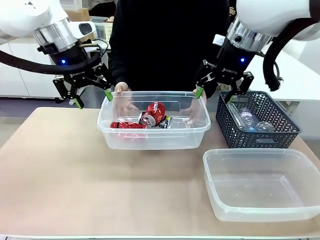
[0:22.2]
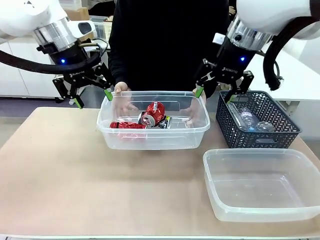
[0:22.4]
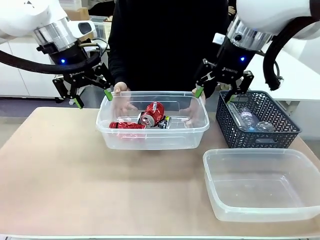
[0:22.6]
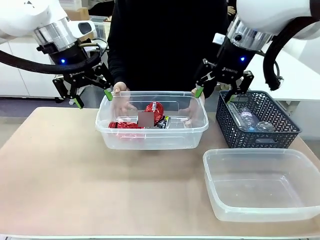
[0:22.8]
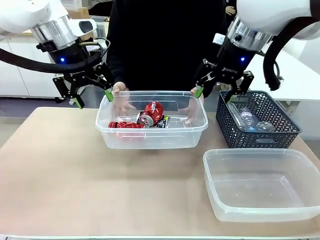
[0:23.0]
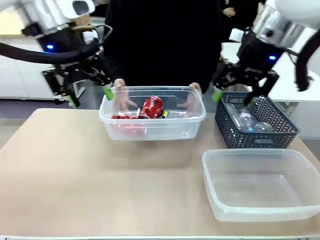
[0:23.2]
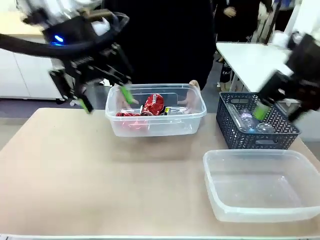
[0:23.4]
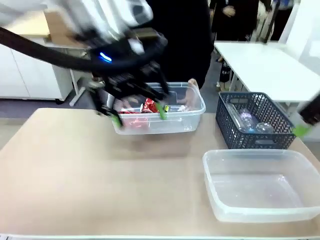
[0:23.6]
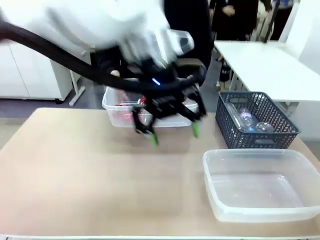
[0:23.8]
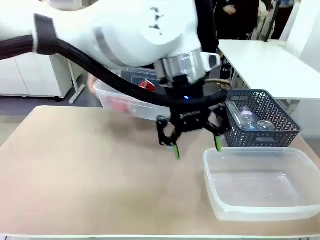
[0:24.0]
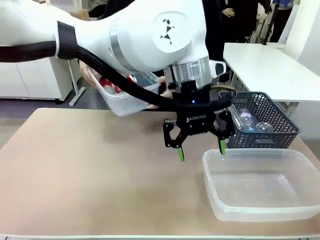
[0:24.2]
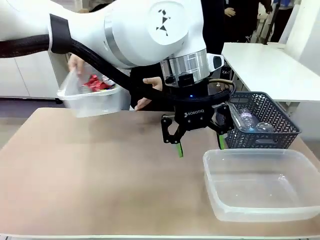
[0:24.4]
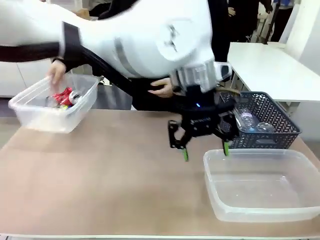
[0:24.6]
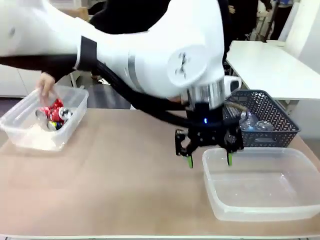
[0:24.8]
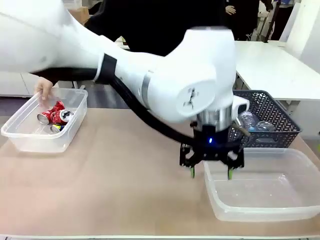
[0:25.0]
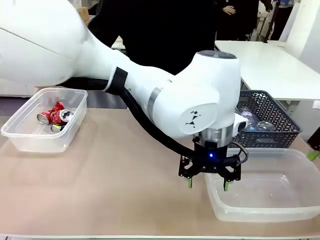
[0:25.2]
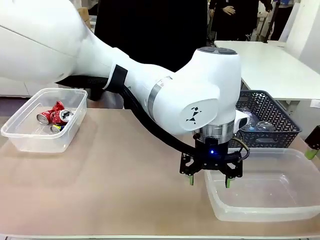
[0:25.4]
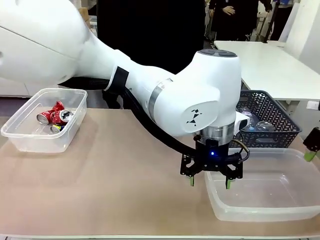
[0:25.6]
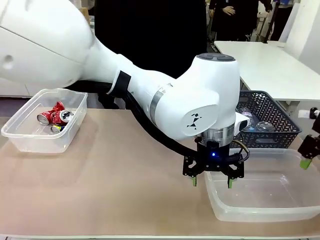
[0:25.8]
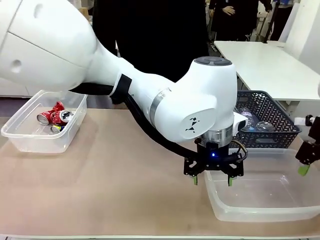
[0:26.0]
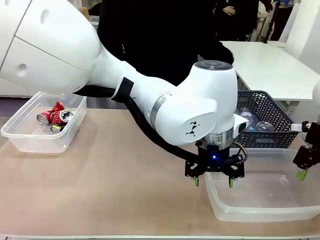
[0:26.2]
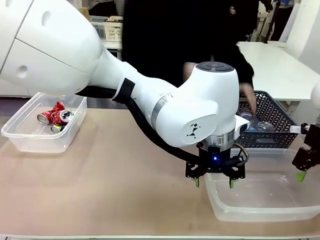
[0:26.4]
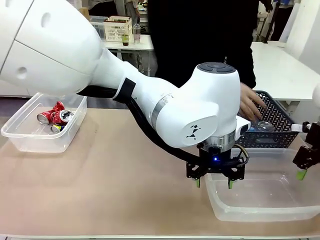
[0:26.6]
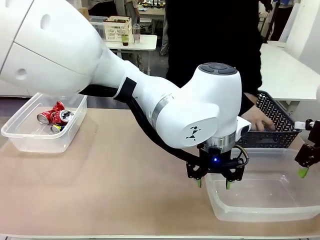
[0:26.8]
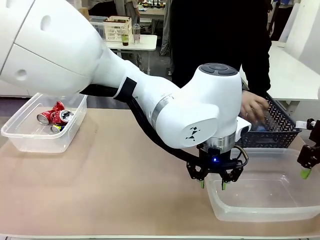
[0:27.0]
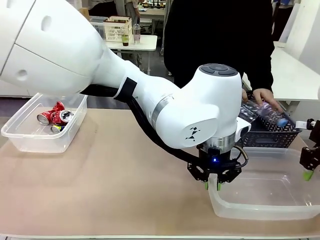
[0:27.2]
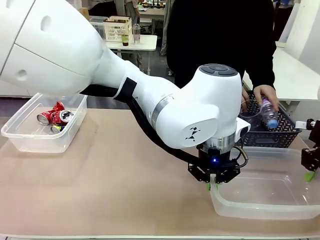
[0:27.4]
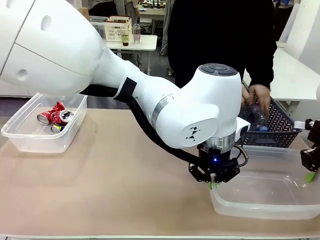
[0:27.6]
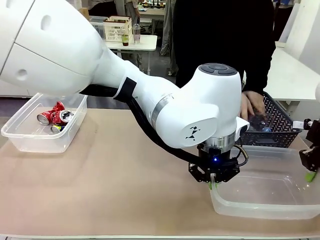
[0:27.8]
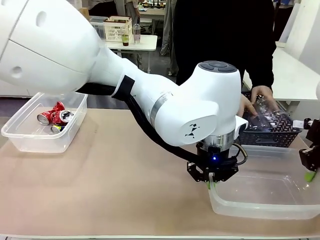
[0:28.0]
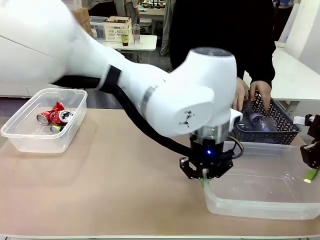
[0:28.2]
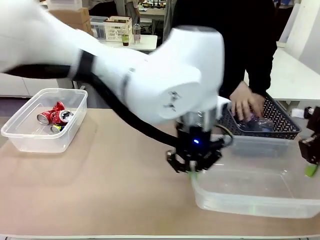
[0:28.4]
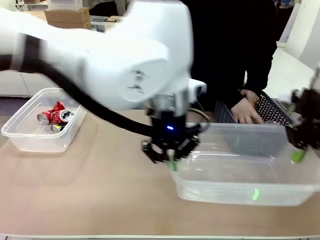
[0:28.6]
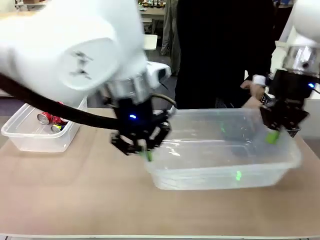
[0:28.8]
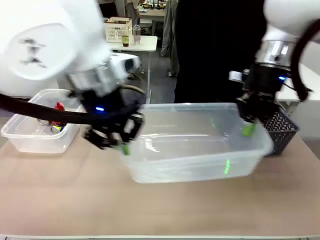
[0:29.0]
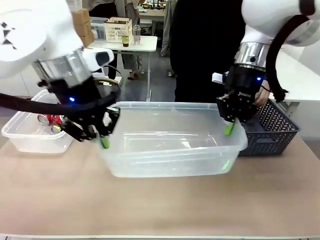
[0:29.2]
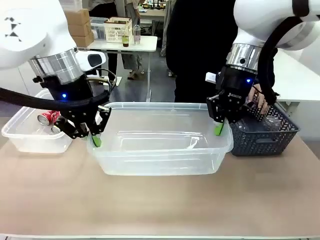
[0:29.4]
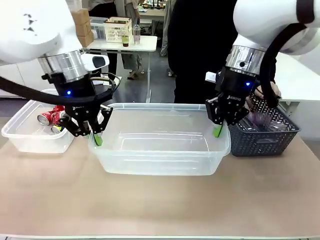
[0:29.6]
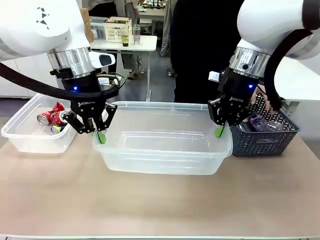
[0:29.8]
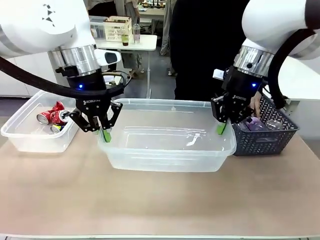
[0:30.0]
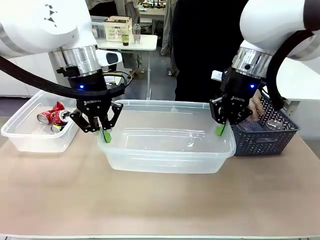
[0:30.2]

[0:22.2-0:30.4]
Robot: Pick up the Organizing box on the right side of the table and lift it.
Person: Place it at the edge of the bottom right area of the robot table. Pick up plastic waste one by one and place it into the organizing box lifted by the robot.

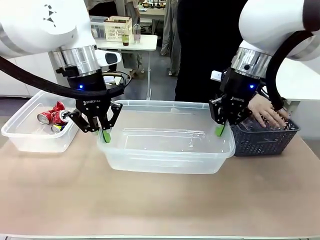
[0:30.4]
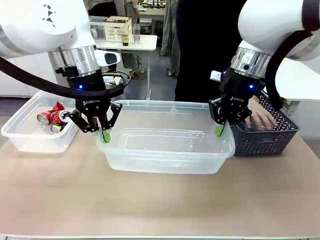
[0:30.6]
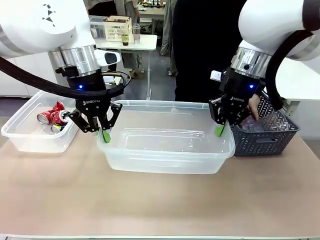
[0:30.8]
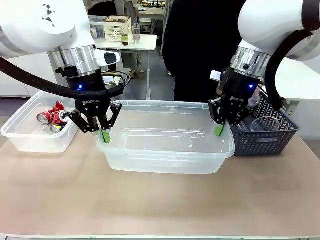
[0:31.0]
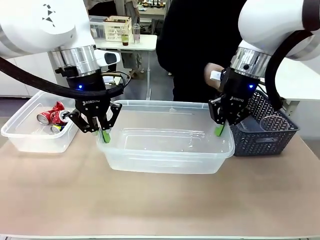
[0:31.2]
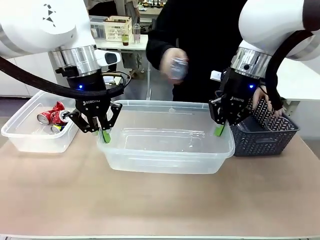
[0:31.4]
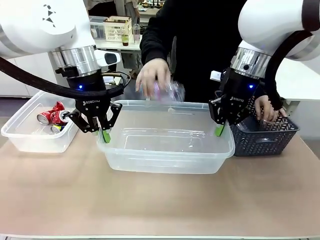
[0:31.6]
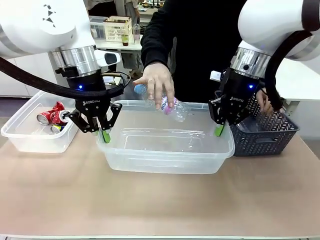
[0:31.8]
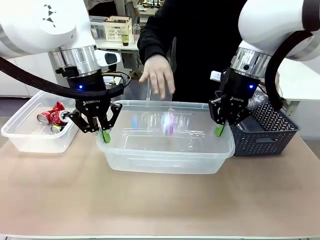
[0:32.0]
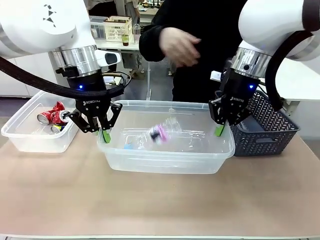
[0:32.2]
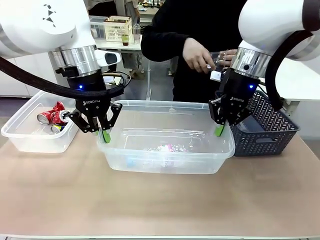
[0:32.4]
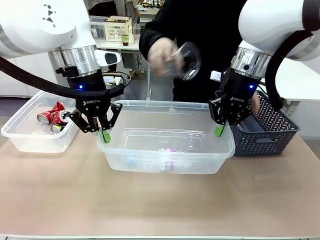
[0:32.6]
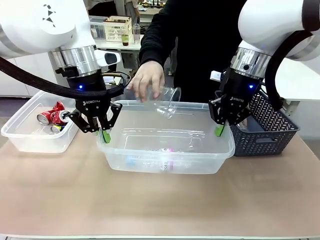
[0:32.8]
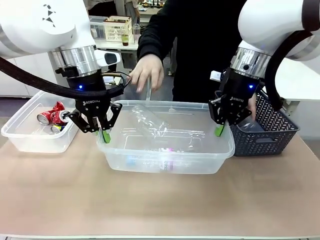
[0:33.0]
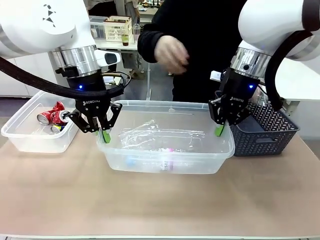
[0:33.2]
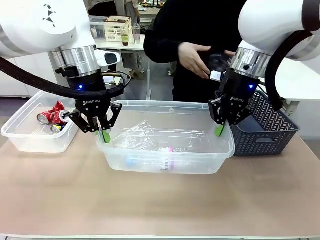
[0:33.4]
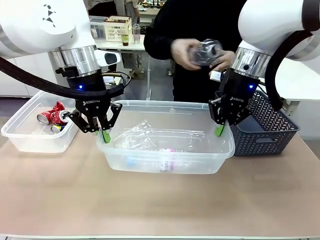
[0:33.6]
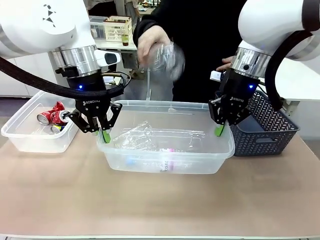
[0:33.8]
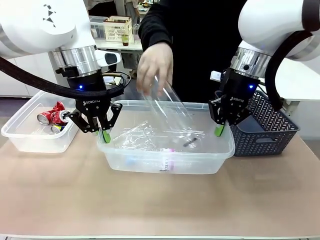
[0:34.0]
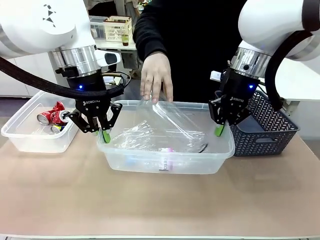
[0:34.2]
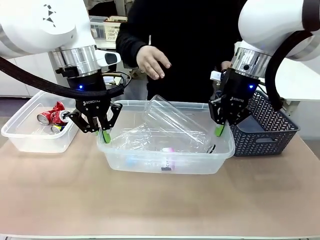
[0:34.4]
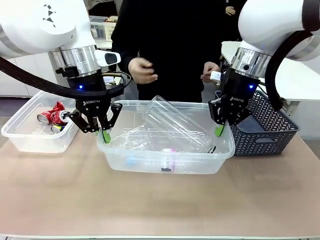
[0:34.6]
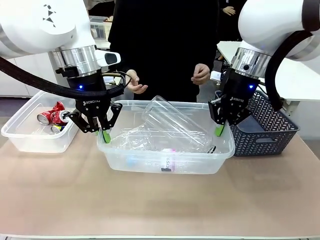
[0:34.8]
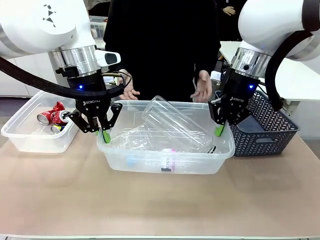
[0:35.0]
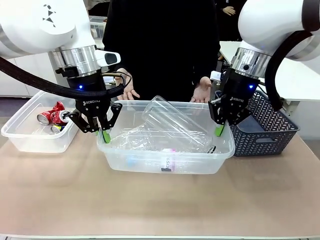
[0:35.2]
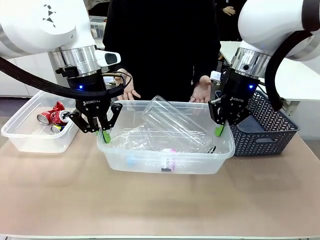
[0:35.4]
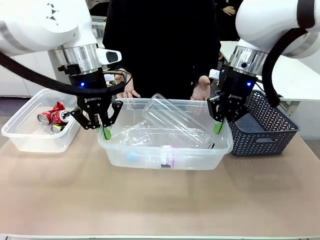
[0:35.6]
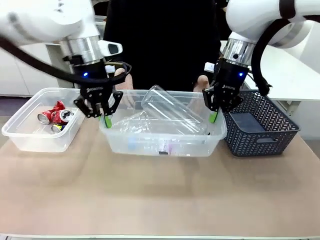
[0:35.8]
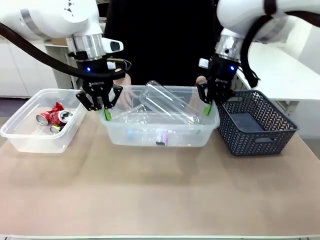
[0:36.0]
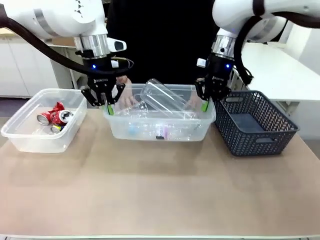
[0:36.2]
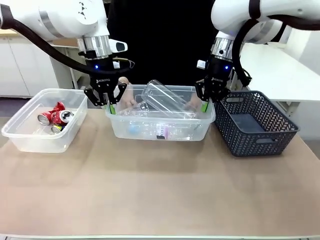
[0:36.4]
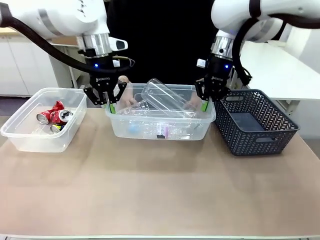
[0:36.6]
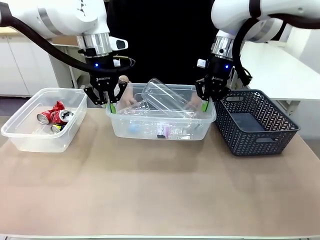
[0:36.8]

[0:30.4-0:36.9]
Robot: Offer the picked Organizing box to the human.

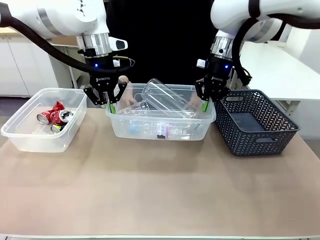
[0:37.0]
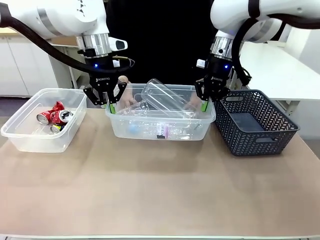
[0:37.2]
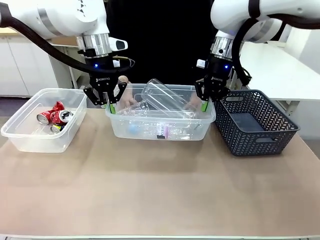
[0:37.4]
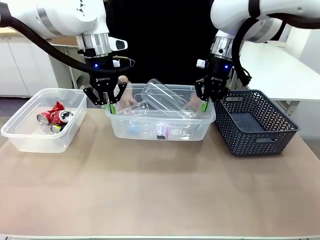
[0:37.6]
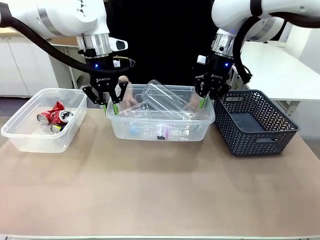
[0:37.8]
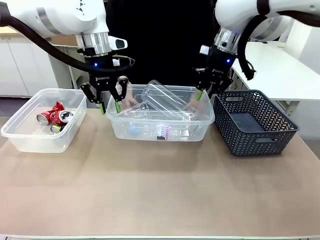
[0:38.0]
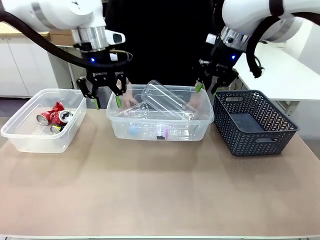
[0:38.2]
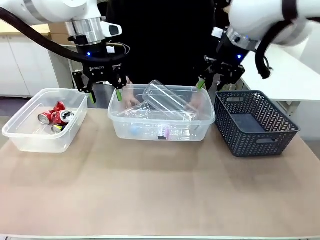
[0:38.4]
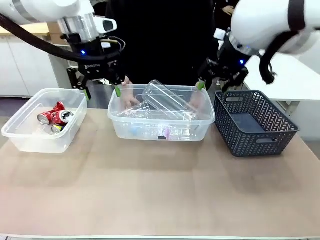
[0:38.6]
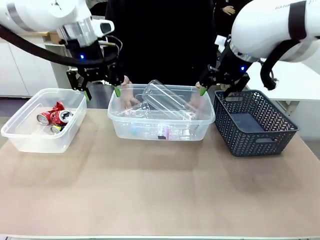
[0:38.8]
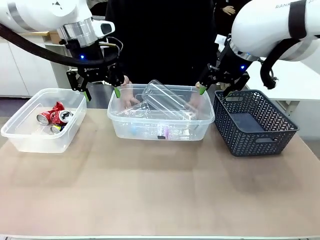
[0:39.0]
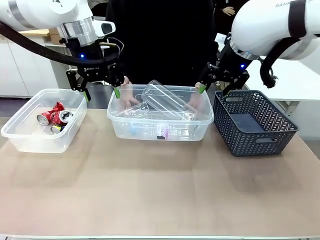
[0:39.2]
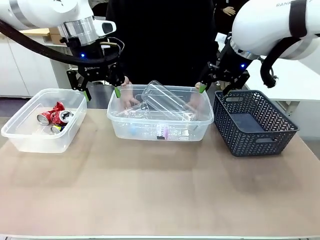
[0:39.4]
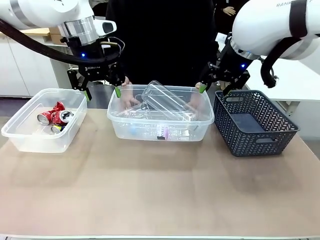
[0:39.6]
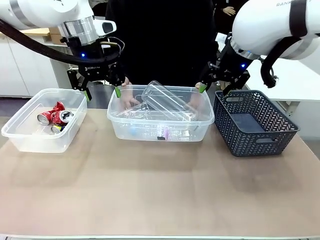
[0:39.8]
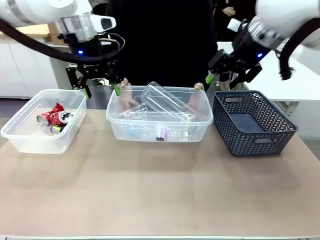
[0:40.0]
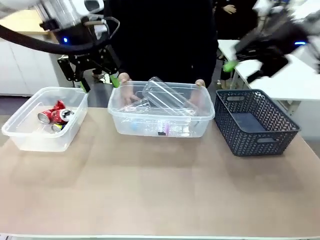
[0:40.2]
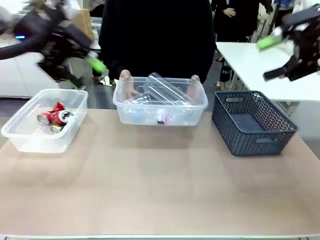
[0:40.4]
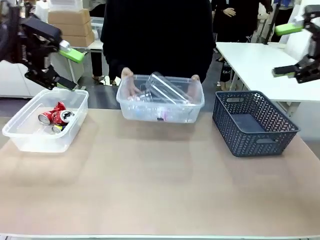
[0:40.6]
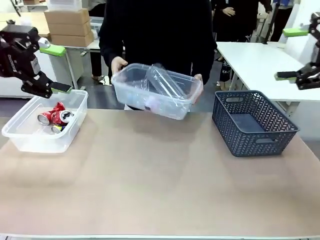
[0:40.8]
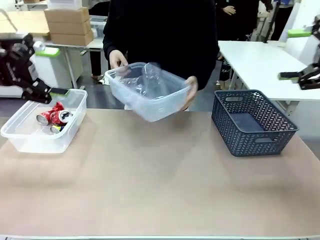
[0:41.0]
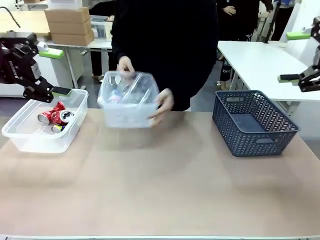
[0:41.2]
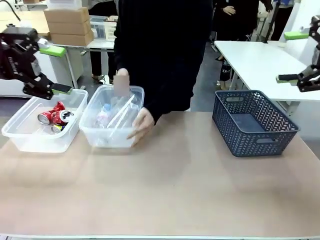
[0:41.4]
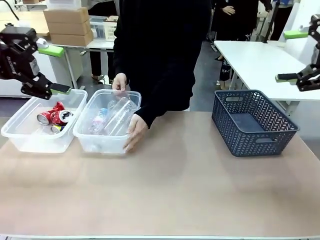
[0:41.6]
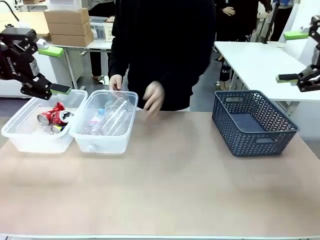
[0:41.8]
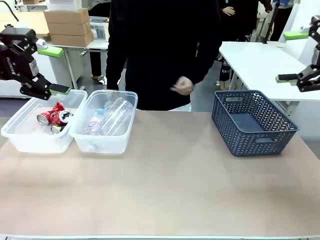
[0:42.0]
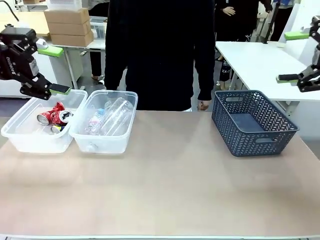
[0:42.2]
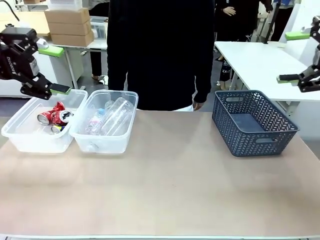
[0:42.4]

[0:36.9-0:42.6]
Robot: Release the Organizing box you were holding.
Person: Pick up the organizing box extended by the robot. Place the organizing box to the left of the sorting box containing the can waste.
